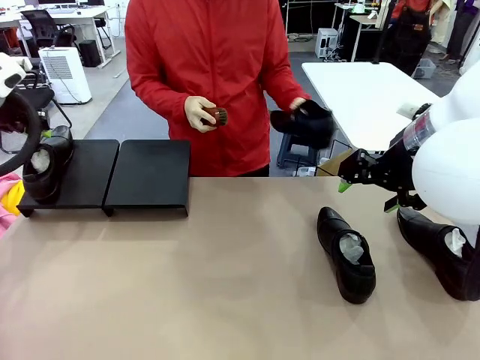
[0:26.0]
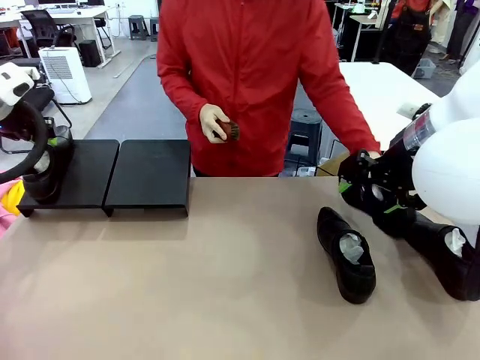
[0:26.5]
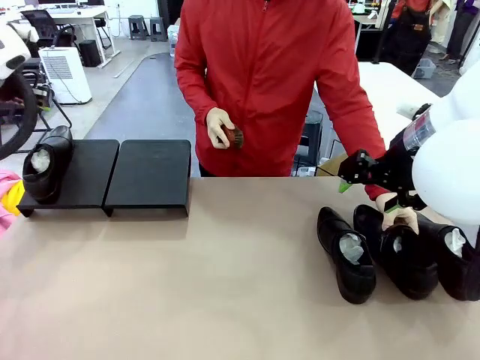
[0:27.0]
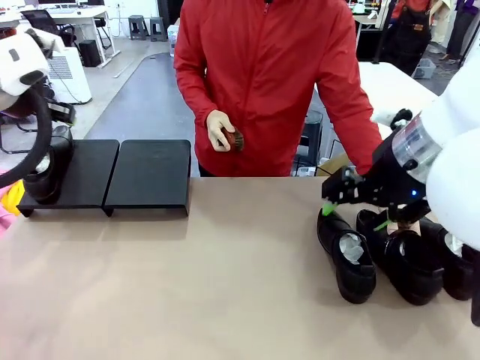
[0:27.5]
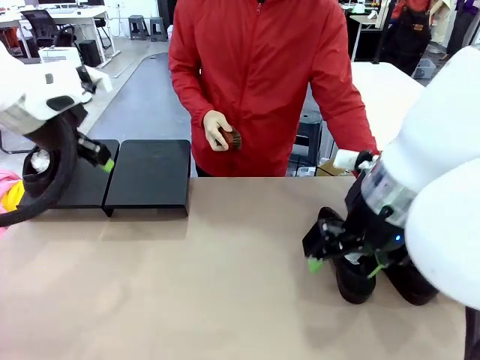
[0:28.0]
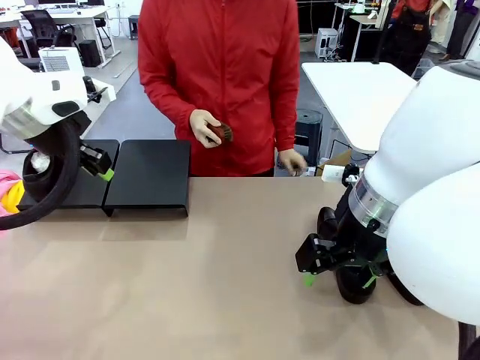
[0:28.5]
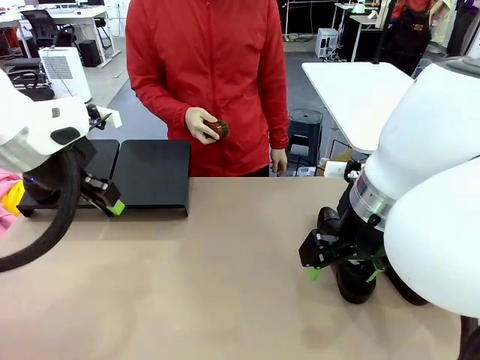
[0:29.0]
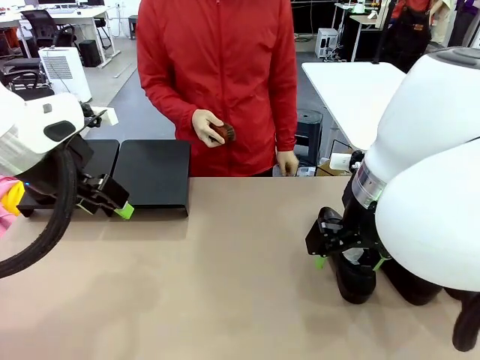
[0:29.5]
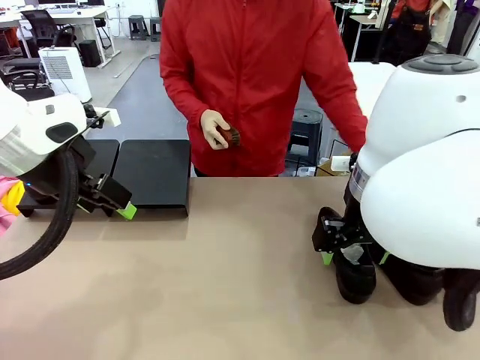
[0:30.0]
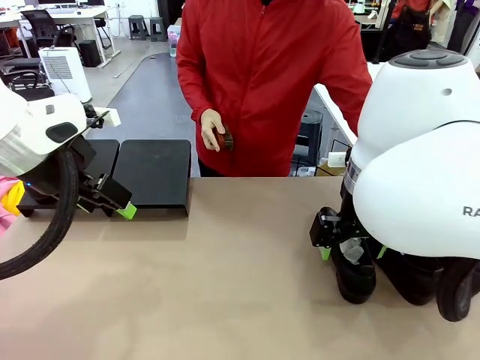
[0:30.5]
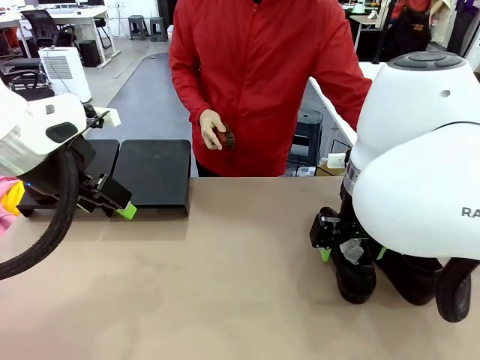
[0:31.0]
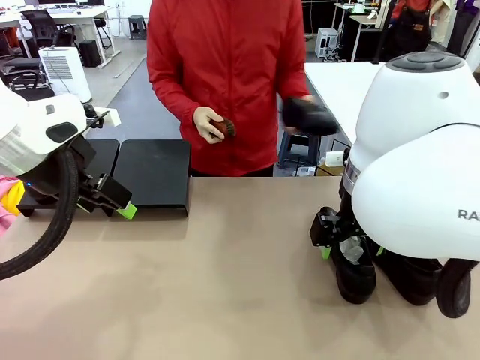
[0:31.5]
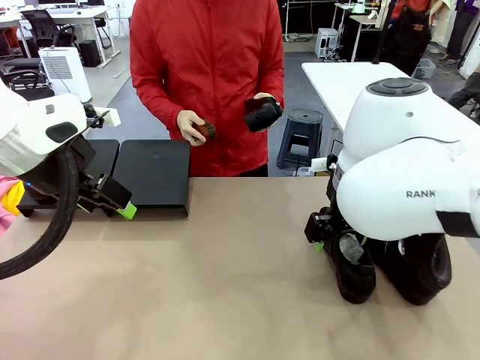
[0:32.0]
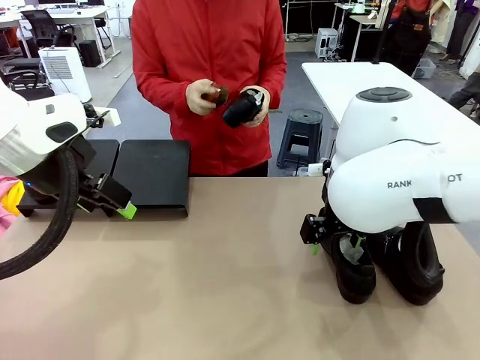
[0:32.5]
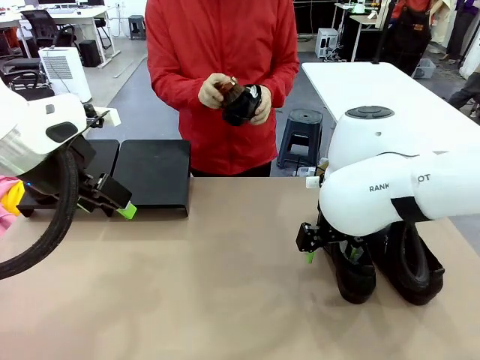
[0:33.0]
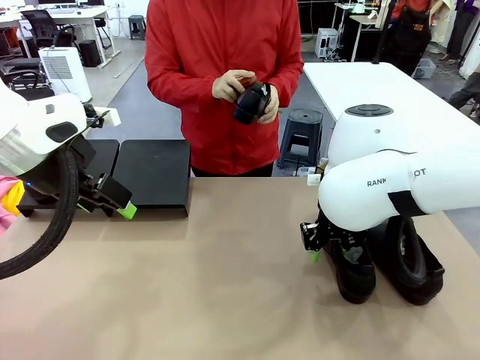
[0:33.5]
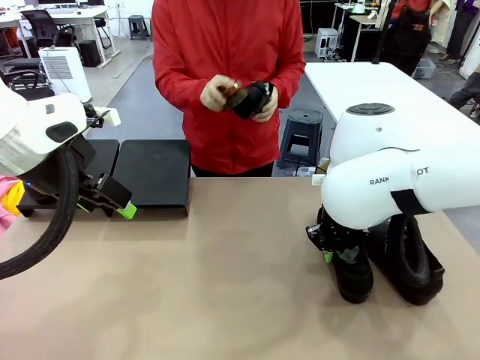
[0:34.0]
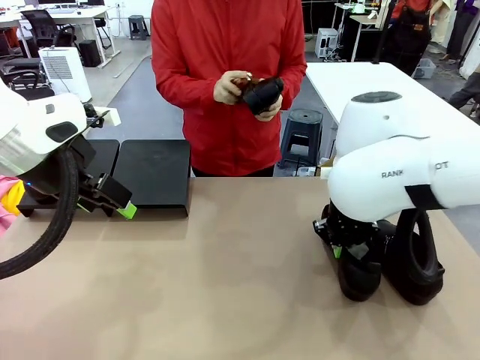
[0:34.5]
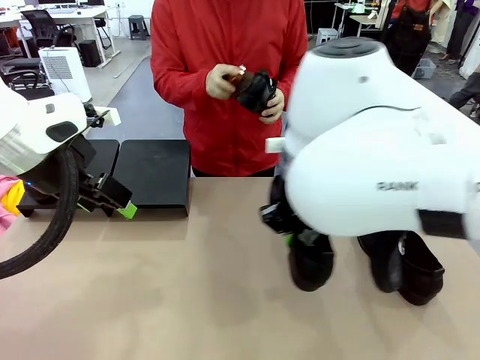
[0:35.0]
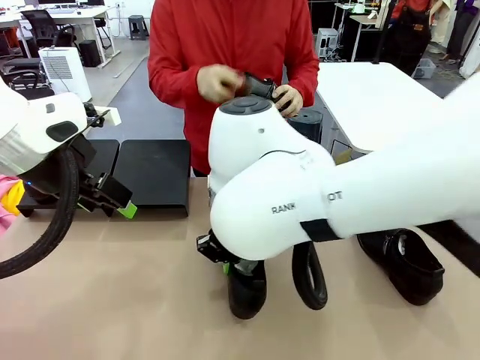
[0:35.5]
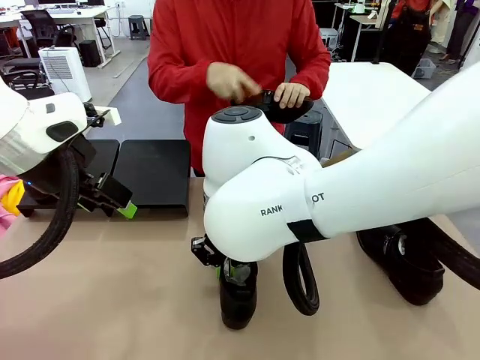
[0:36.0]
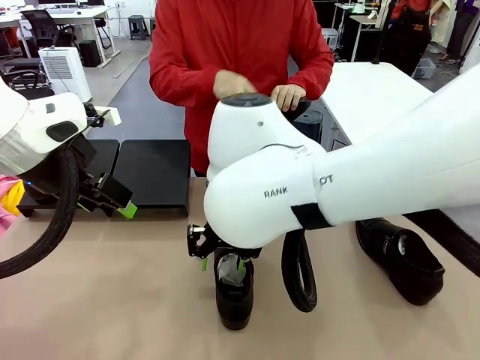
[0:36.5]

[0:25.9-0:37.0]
Task: Organize the shoes by placing them on the stand.
Robot: Pick up one Shoe and place it in the middle of the table.
Person: Place the Shoe on left side of the Robot's table. Pick one Shoe on Robot's table.

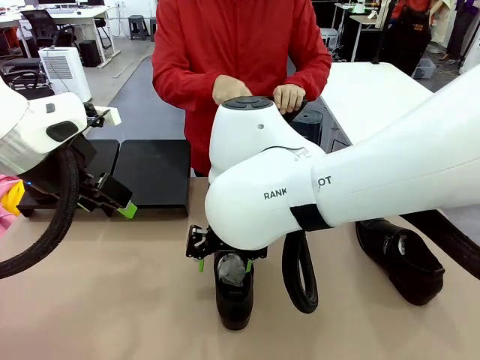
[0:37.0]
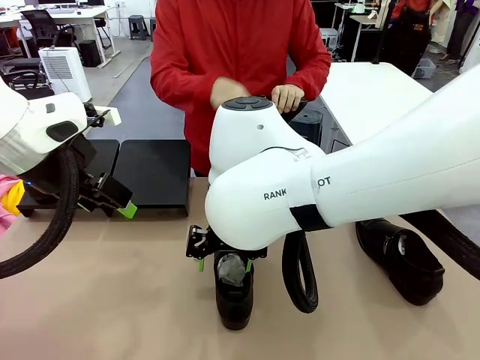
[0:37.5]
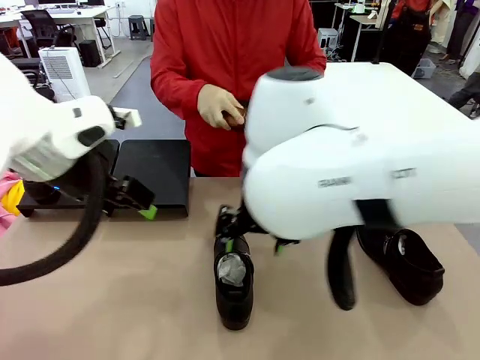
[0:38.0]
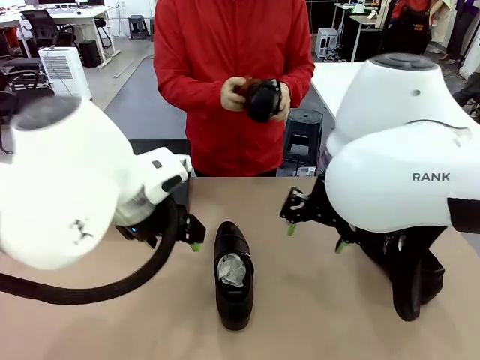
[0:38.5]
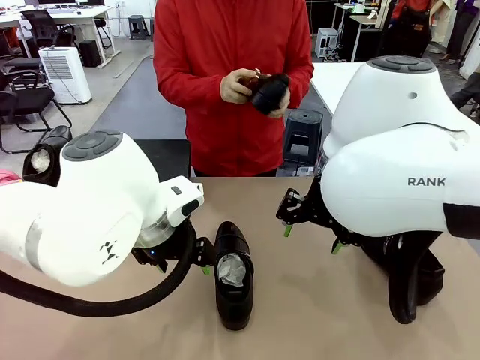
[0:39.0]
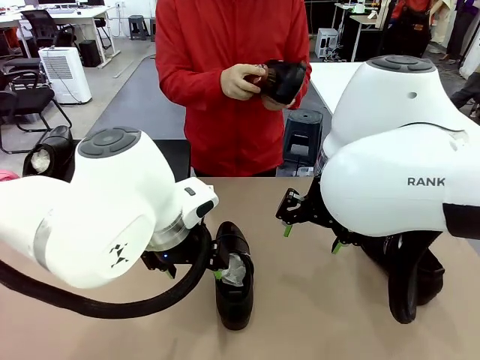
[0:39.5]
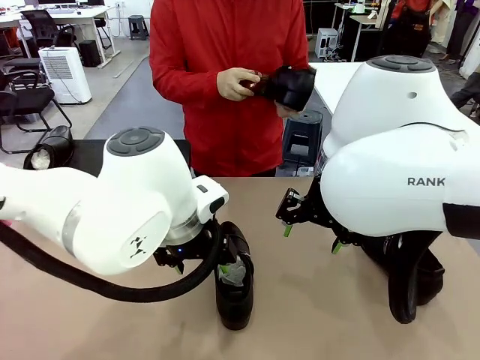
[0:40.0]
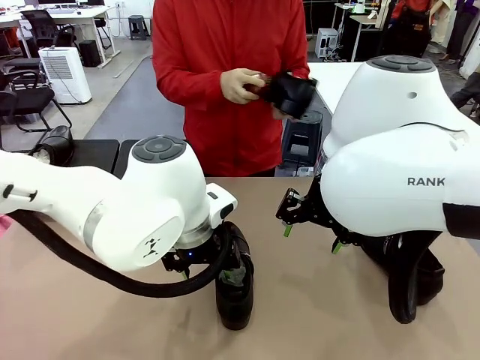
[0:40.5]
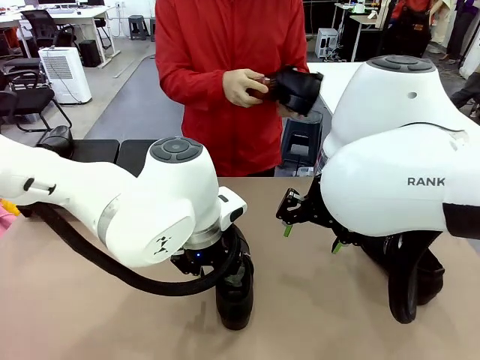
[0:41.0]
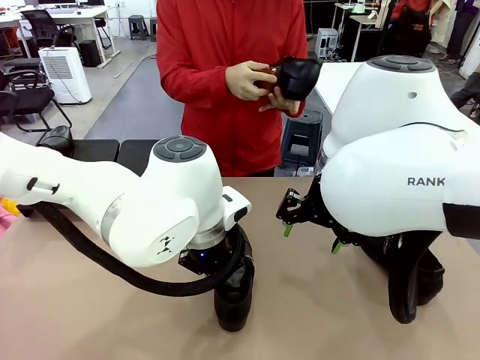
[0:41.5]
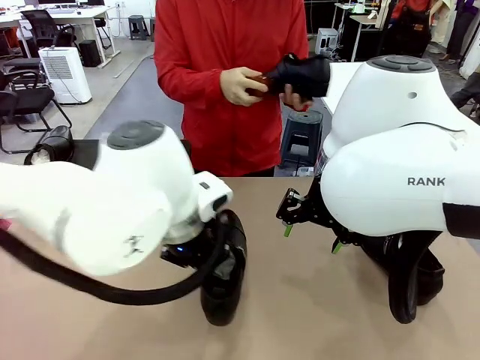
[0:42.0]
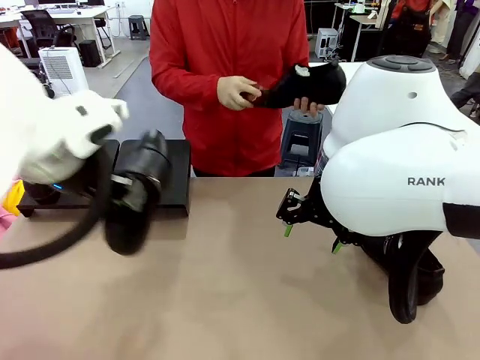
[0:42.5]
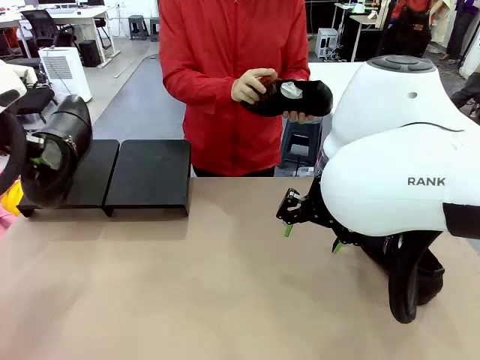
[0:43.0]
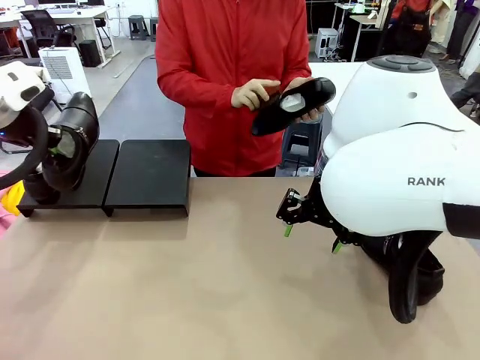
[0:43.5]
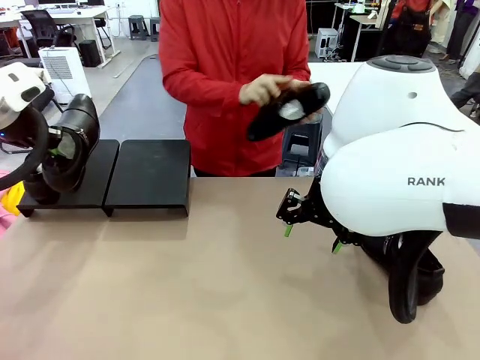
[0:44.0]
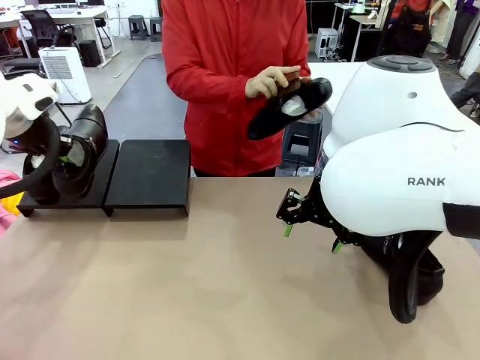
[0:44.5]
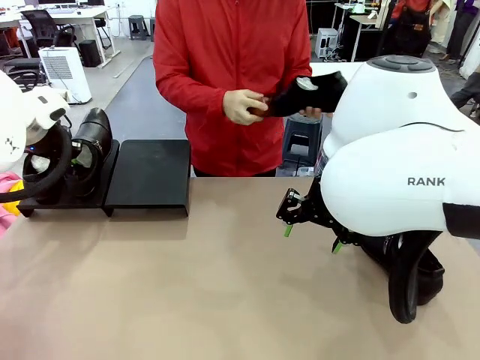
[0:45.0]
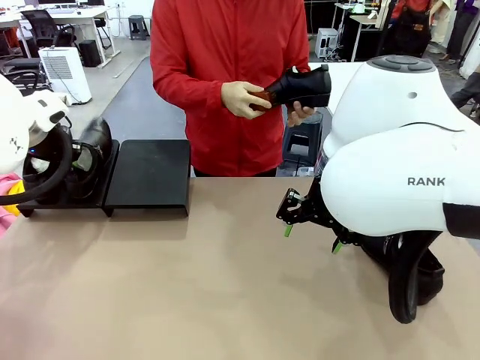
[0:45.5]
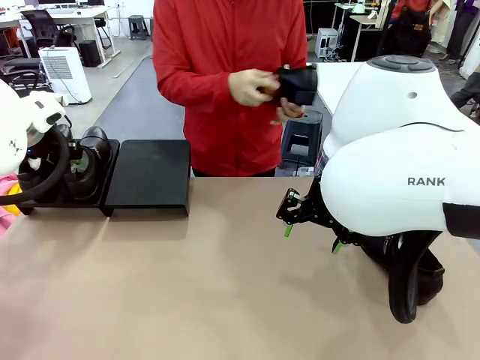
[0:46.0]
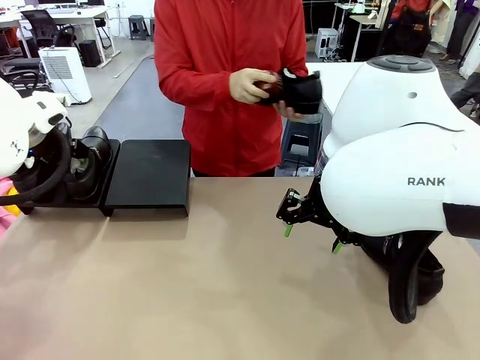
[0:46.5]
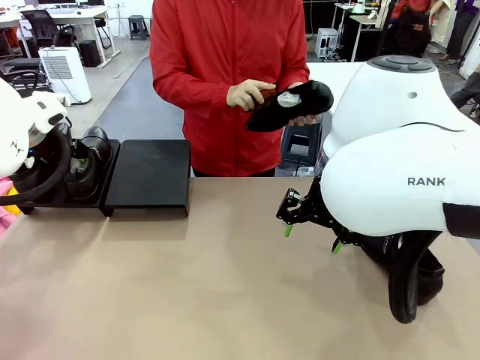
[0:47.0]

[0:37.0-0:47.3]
Robot: Place the Shoe from the middle of the table onto the Shoes Stand.
Person: Clean the Shoe with the Shoe Brush.

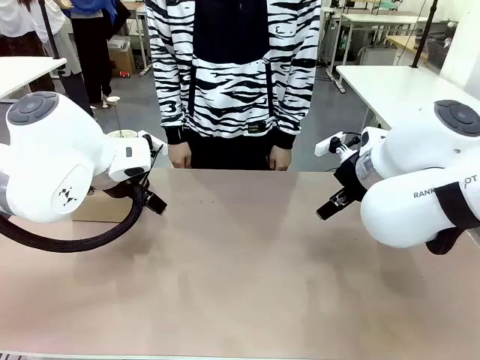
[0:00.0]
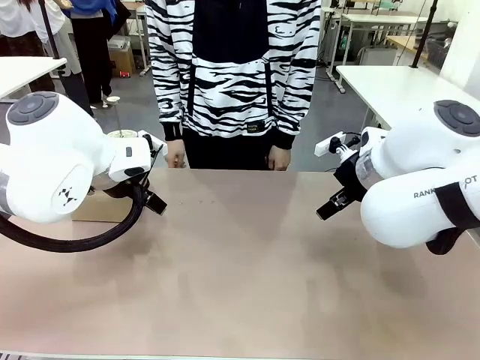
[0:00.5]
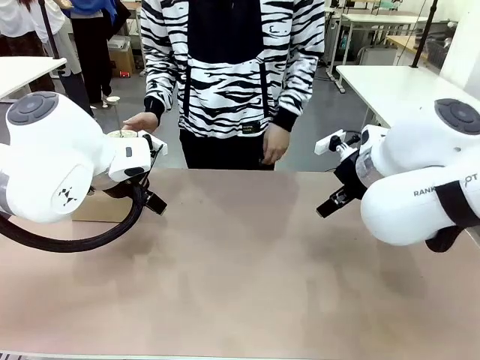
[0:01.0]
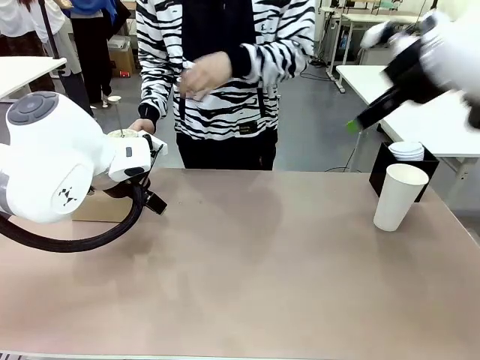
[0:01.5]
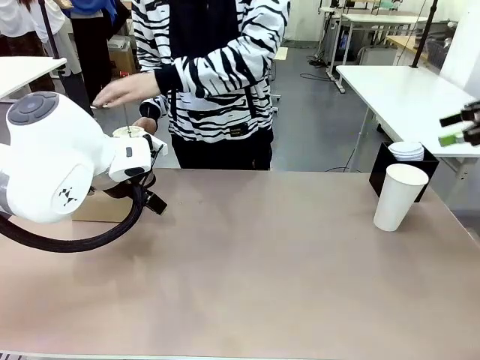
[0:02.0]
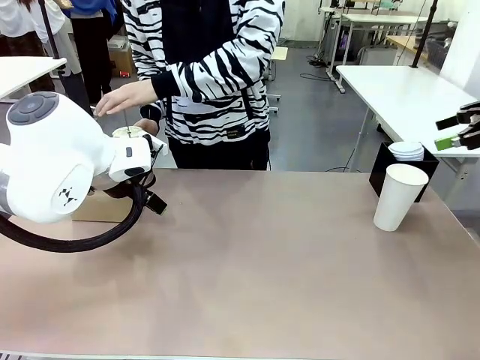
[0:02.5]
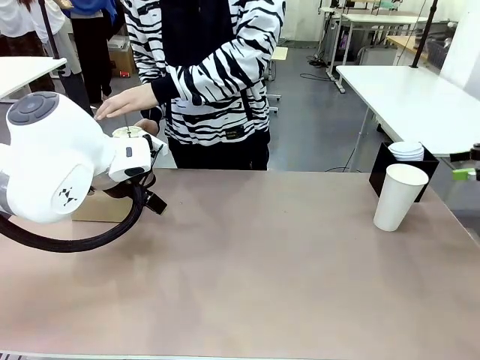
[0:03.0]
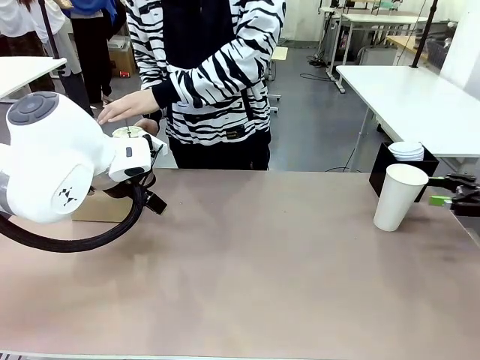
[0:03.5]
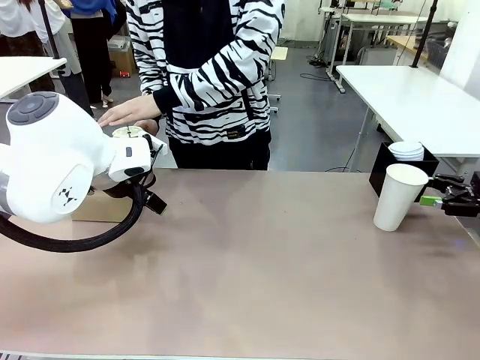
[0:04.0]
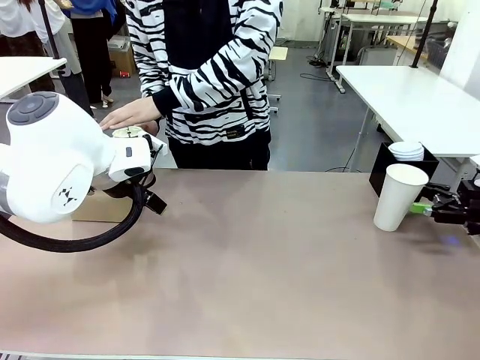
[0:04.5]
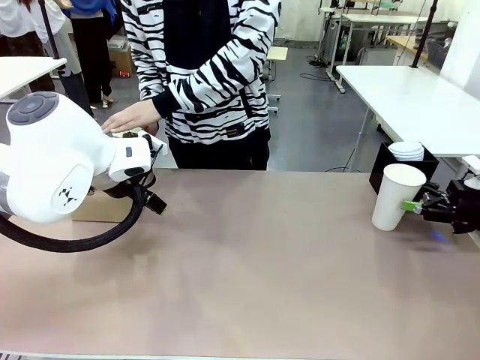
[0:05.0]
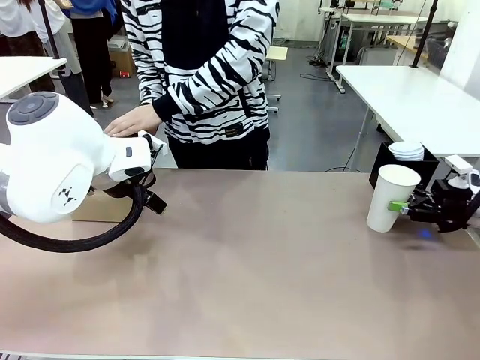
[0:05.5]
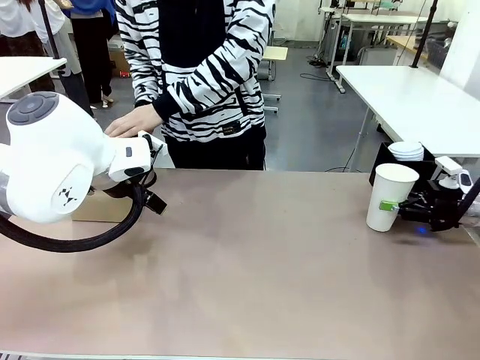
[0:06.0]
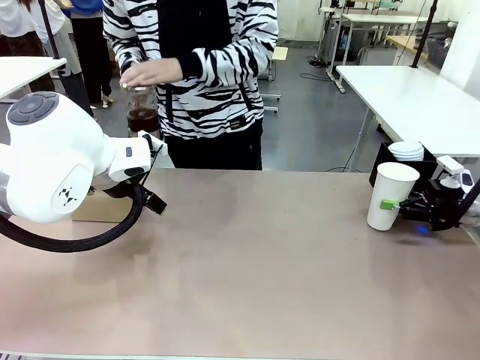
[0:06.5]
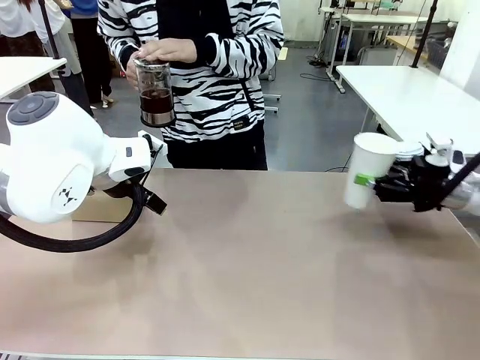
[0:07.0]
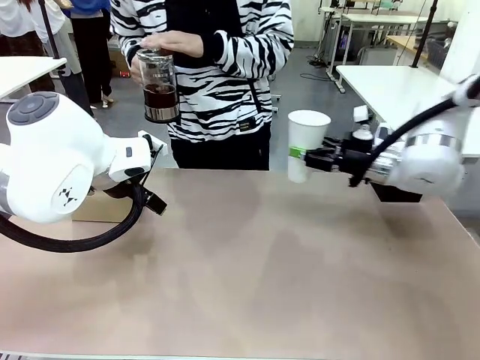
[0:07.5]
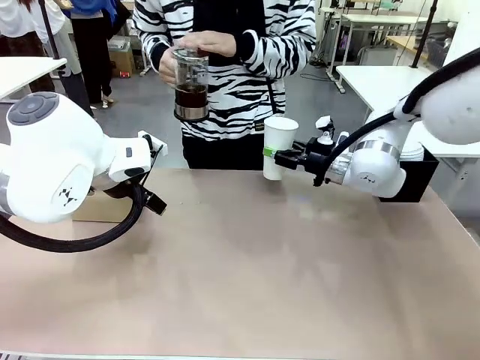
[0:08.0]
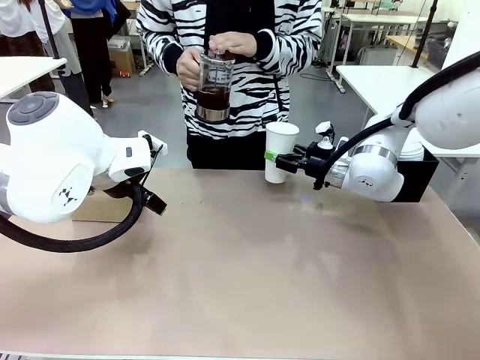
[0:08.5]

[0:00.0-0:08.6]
Task: Pour a drink into a cup and package it in a carrier.
Robot: Pick up the 600 ml Paper Cup and place it in the middle top area of the table.
Person: Press and pick up the Filter Brewing.
